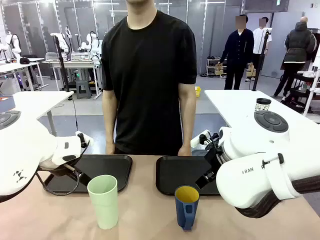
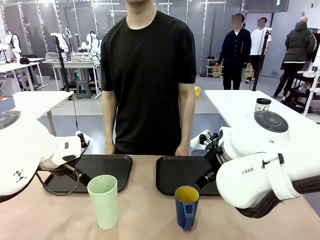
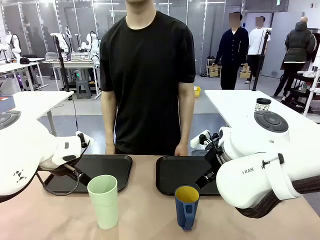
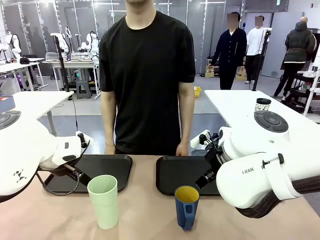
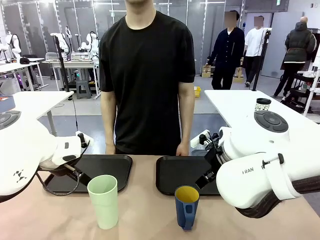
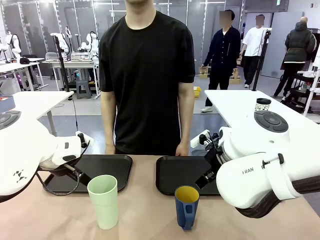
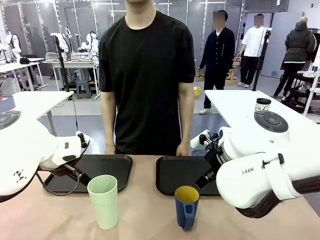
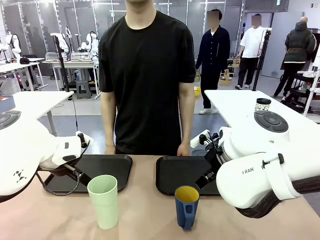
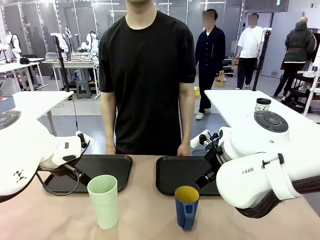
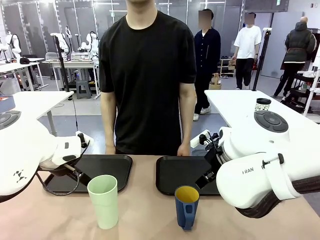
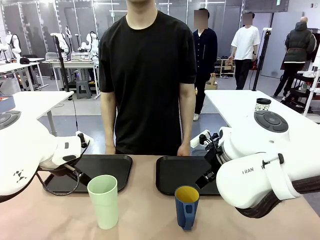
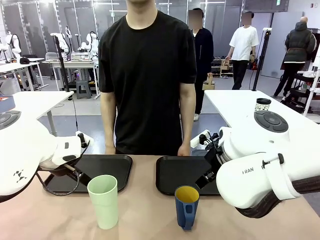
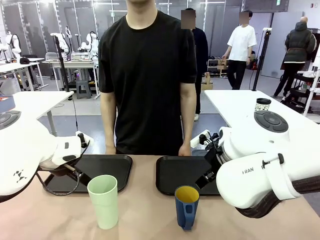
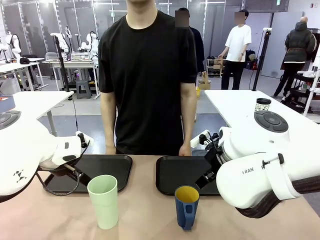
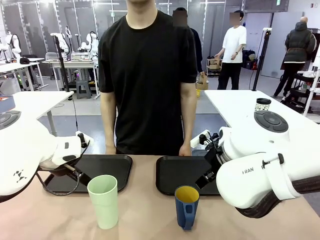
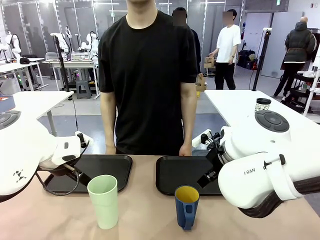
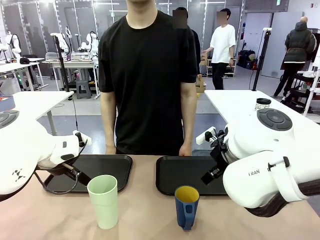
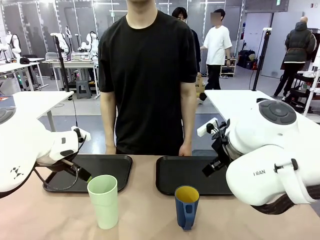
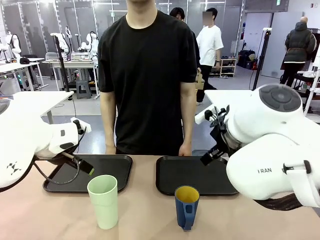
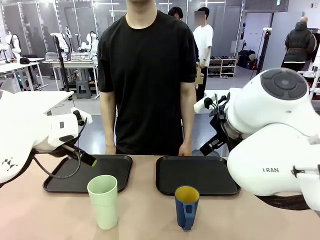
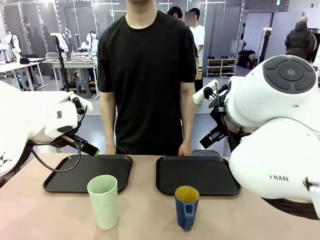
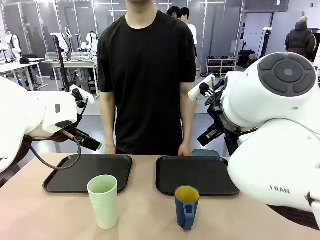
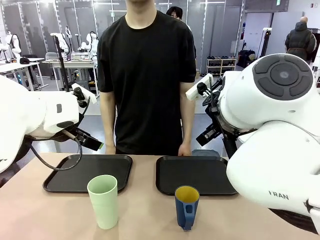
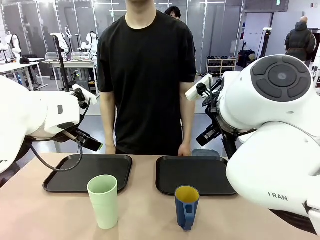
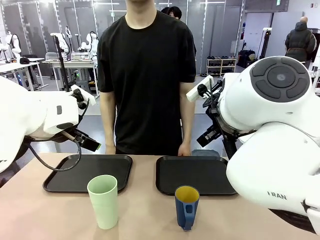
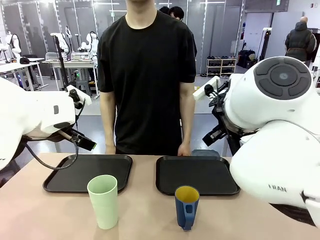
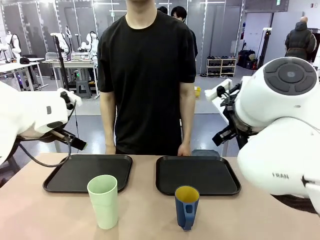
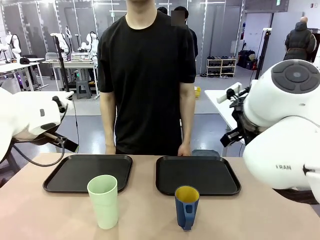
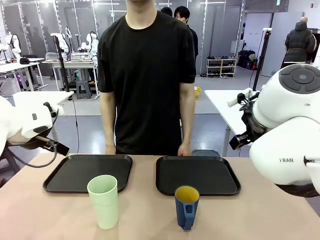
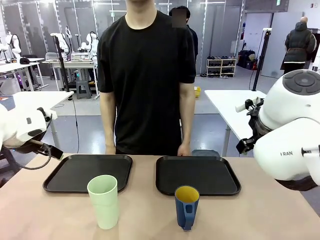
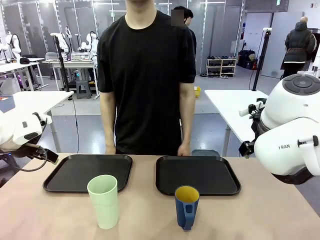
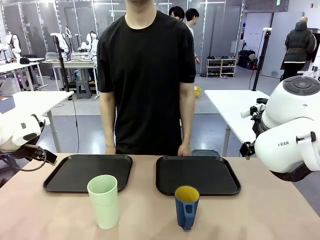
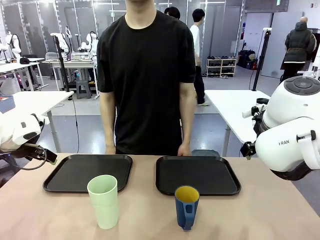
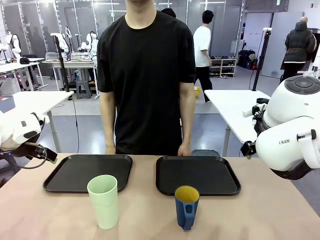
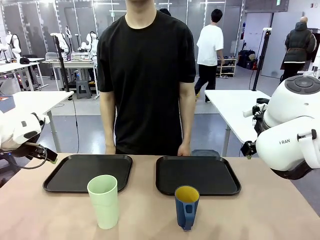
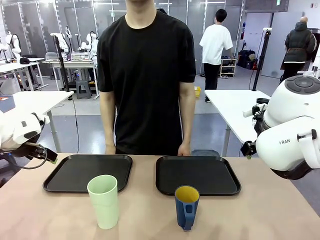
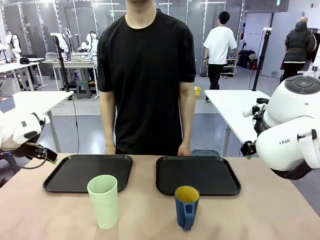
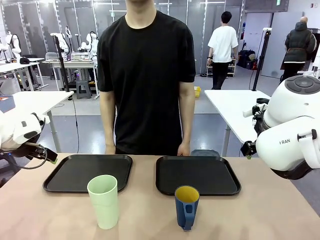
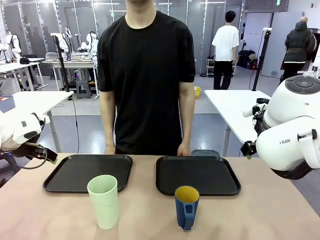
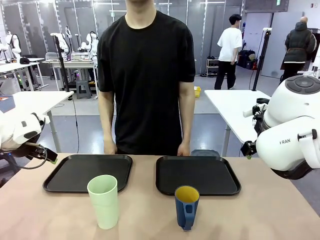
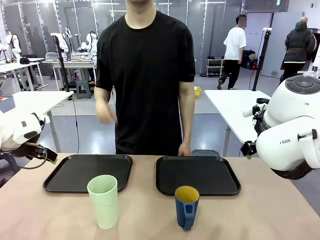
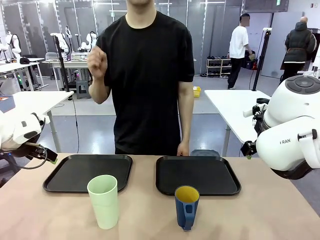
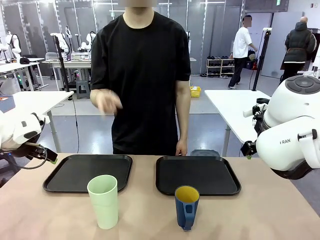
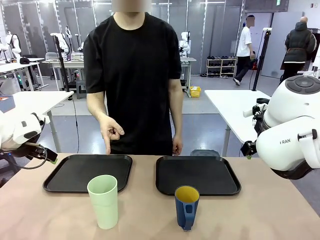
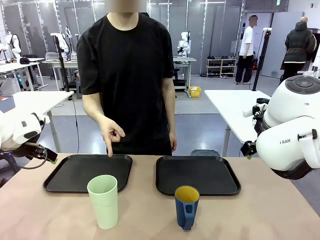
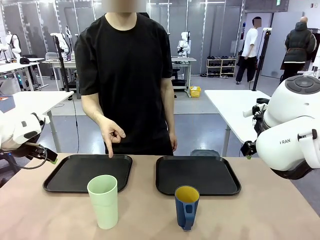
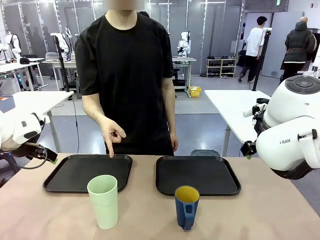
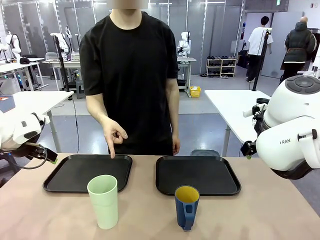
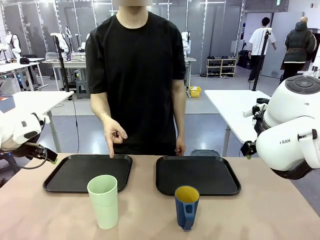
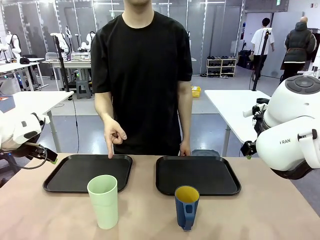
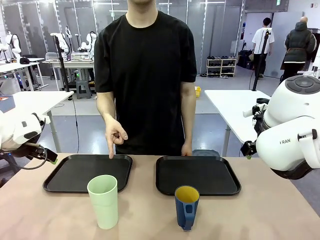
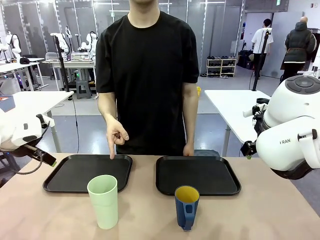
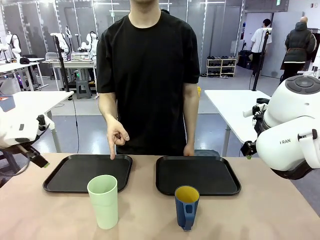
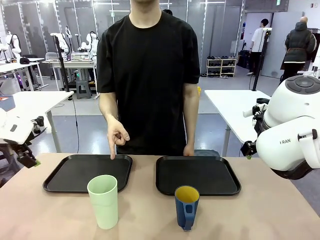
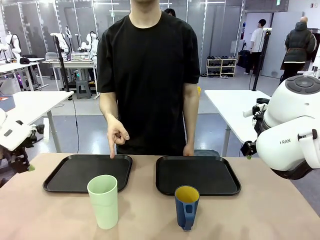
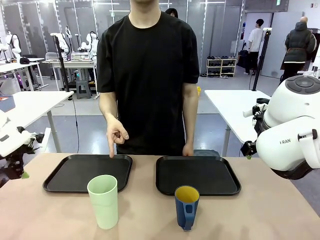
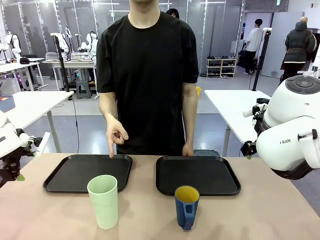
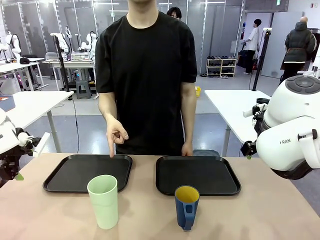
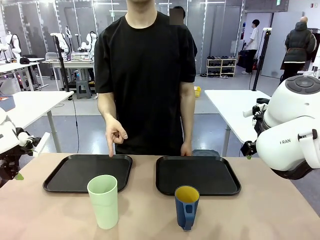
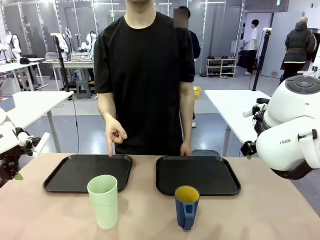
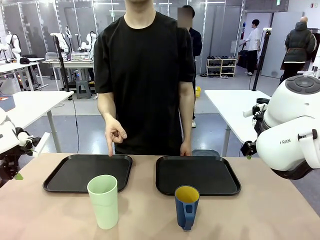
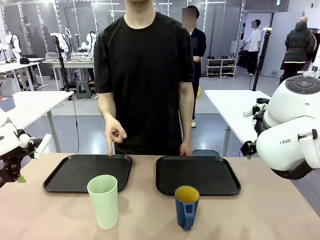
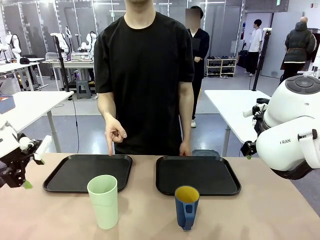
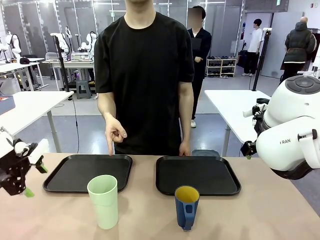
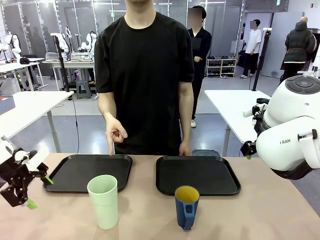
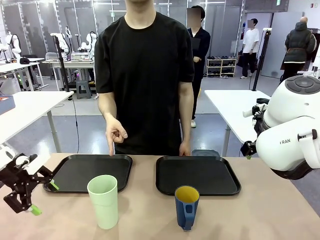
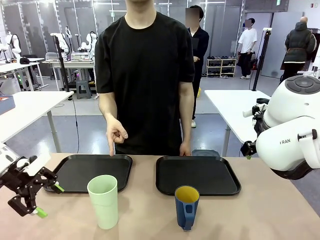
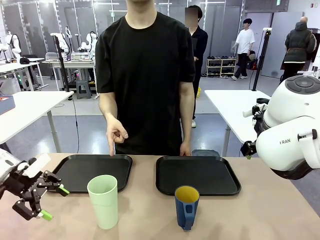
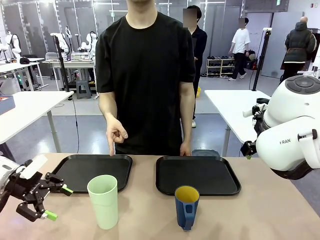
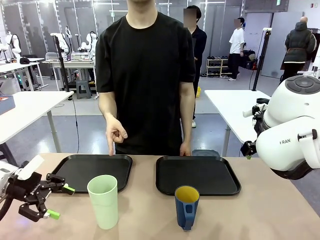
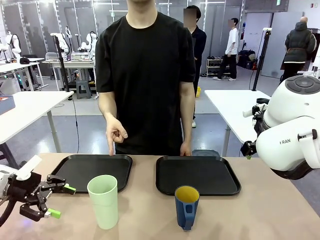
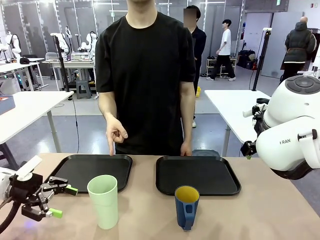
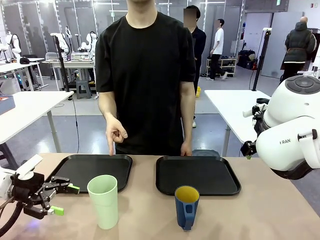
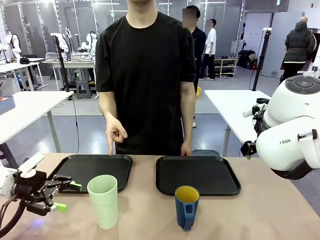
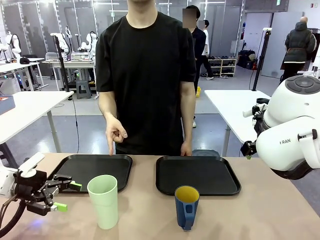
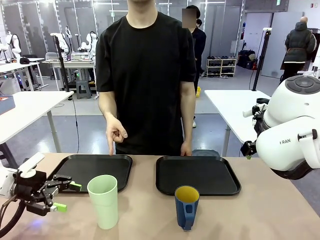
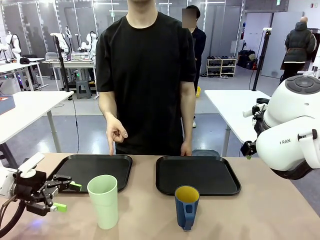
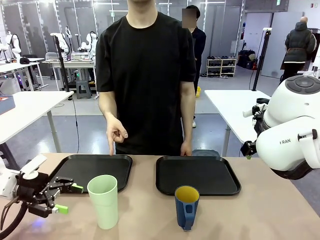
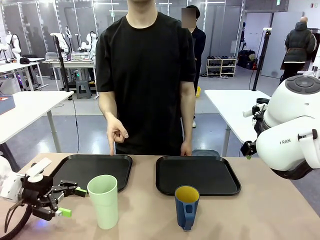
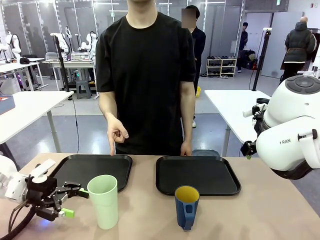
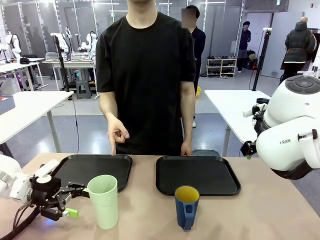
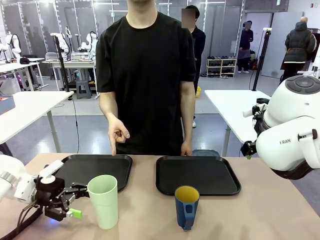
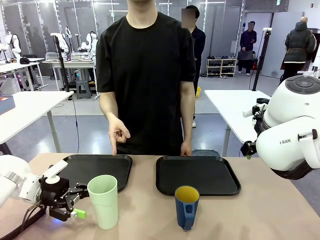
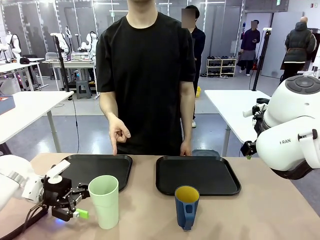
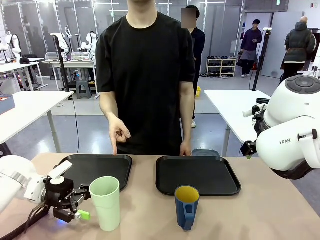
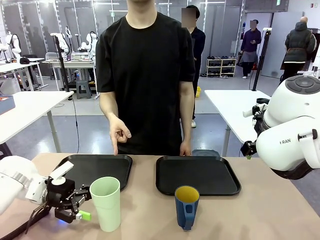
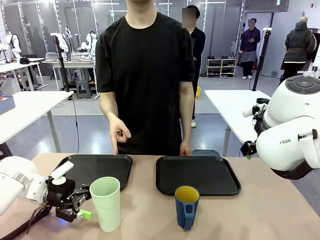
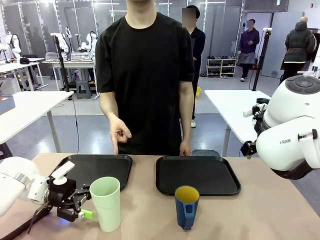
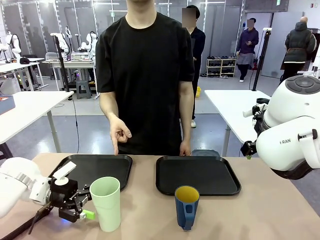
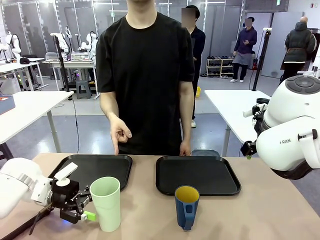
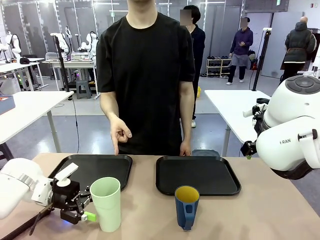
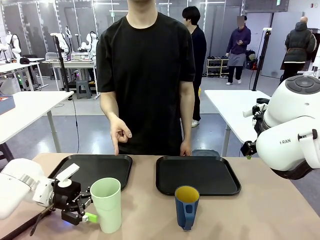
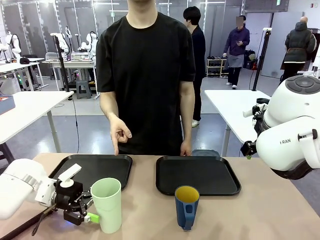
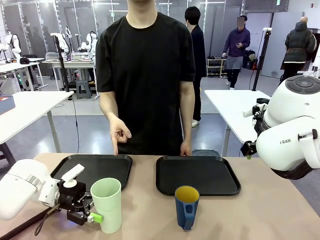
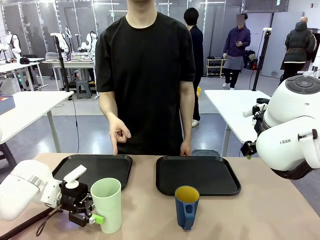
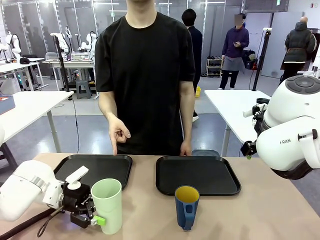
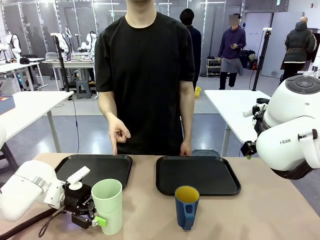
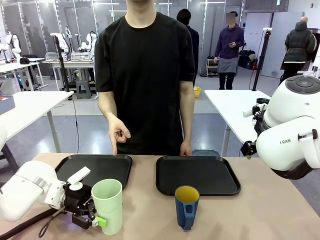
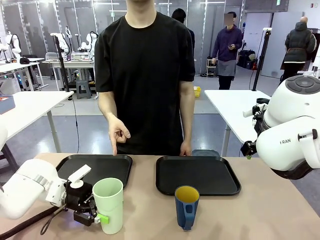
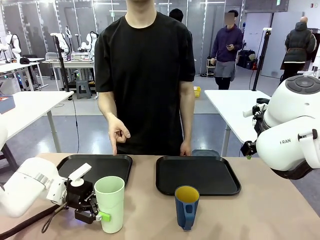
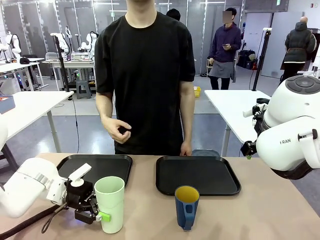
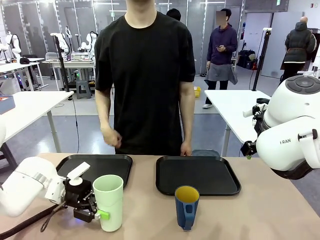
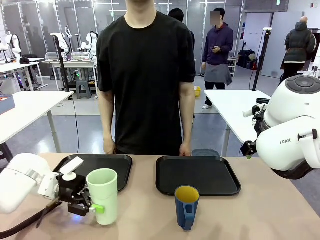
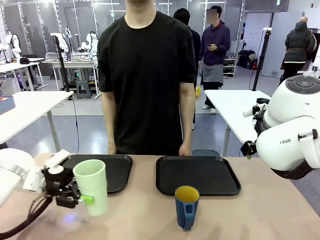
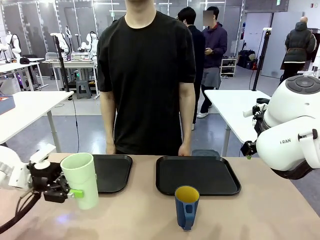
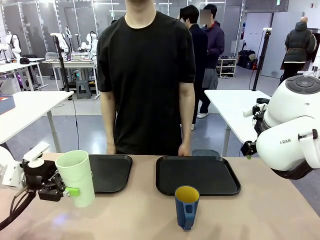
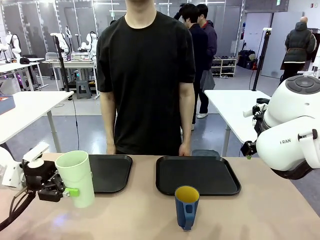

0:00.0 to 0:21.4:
Task: Sort and store the cups by type.
Robot: Pick up the Reusable plastic cup.
Person: Points to the reusable cup. Point to one of the two trays.
